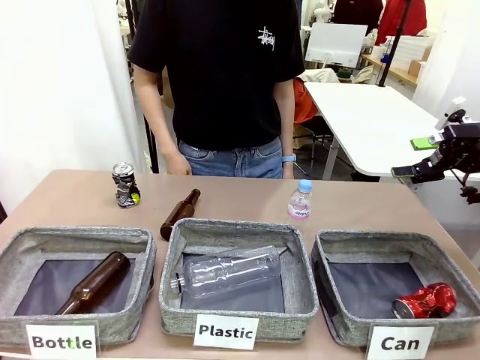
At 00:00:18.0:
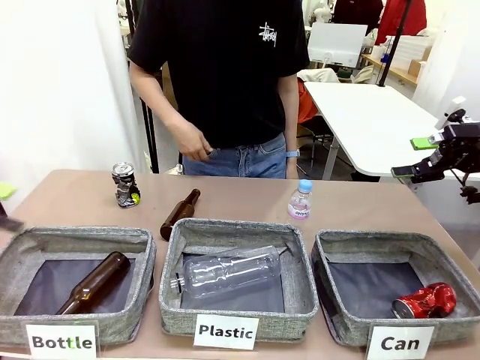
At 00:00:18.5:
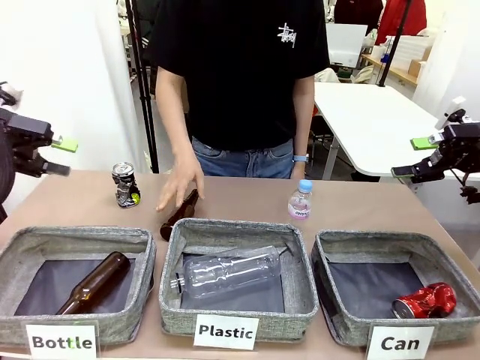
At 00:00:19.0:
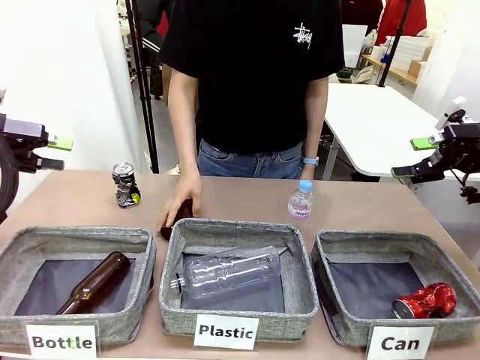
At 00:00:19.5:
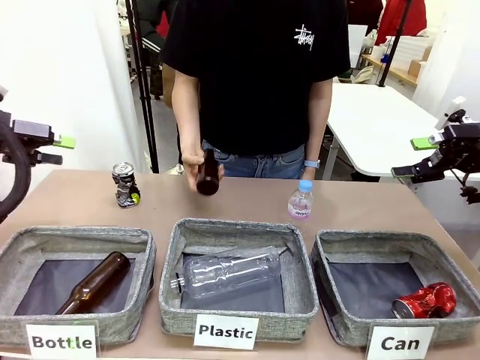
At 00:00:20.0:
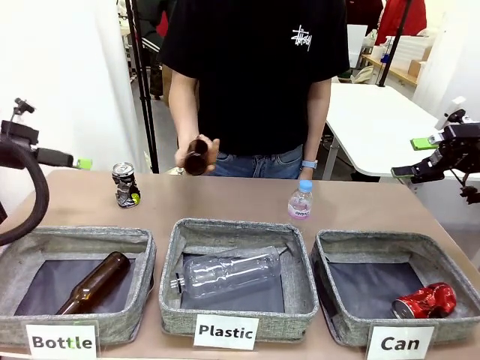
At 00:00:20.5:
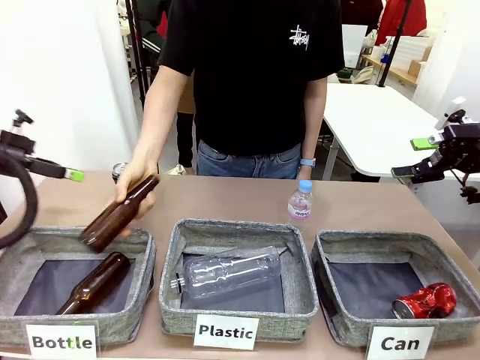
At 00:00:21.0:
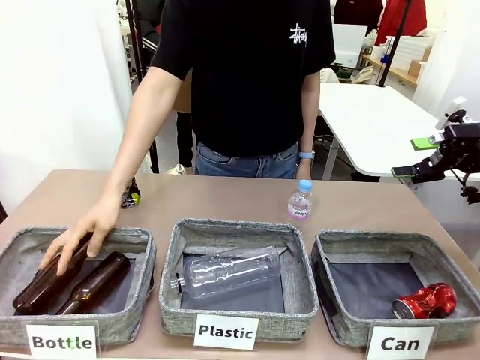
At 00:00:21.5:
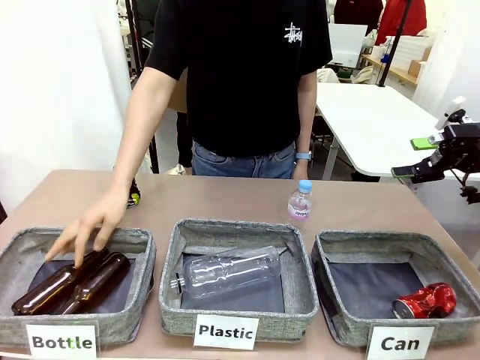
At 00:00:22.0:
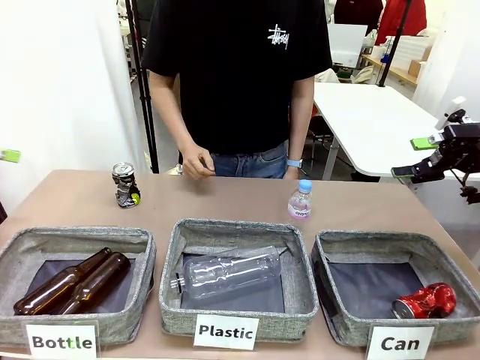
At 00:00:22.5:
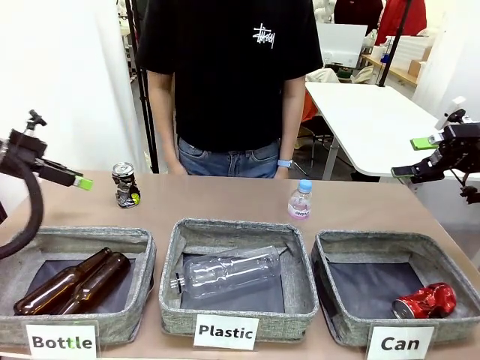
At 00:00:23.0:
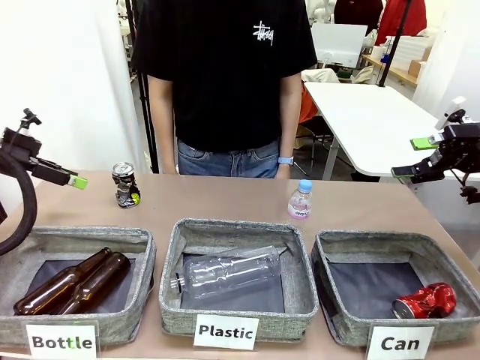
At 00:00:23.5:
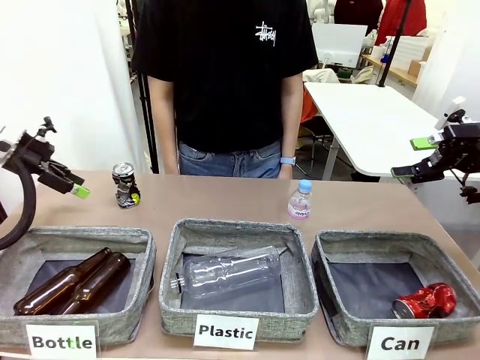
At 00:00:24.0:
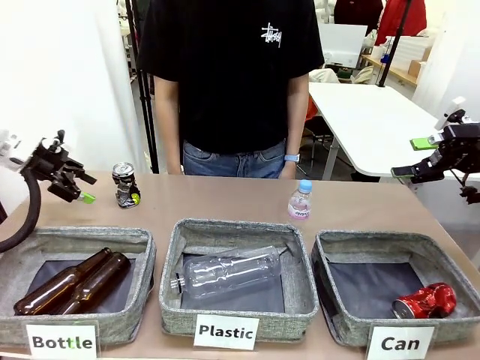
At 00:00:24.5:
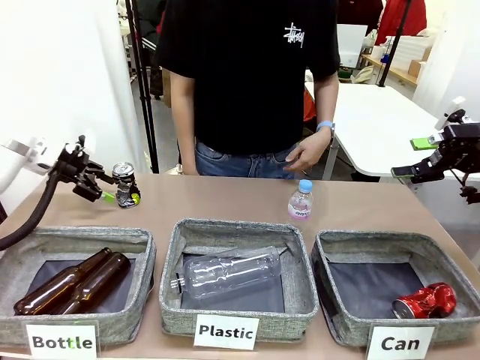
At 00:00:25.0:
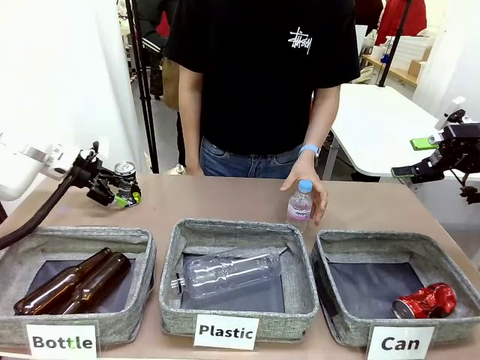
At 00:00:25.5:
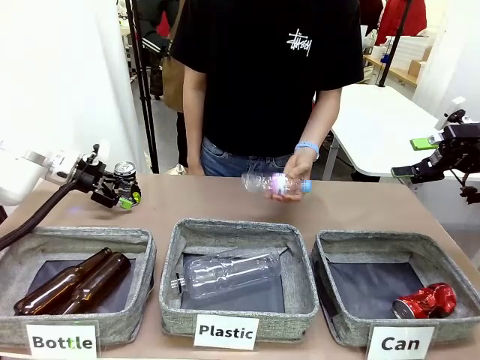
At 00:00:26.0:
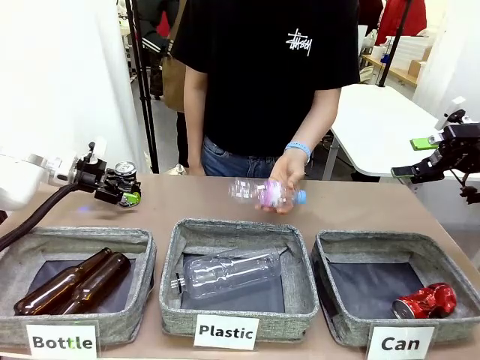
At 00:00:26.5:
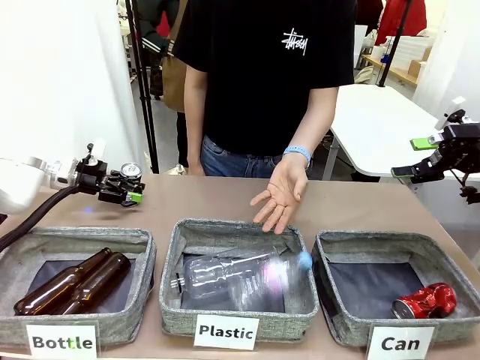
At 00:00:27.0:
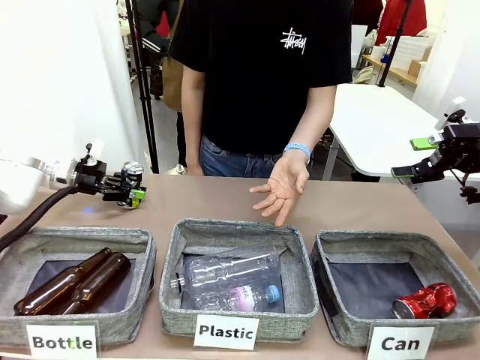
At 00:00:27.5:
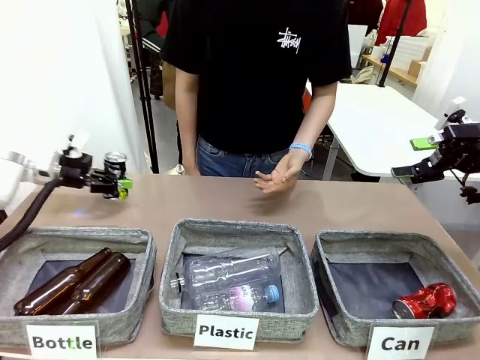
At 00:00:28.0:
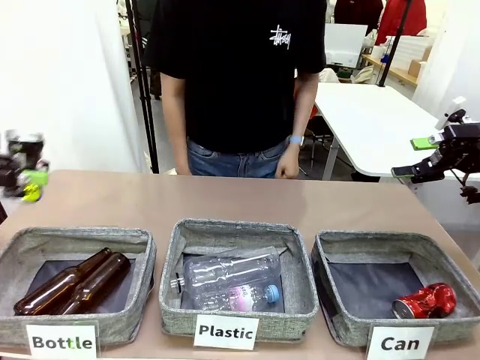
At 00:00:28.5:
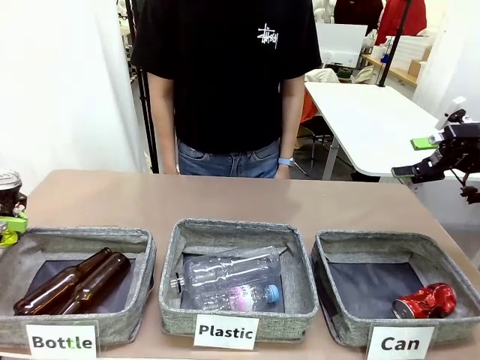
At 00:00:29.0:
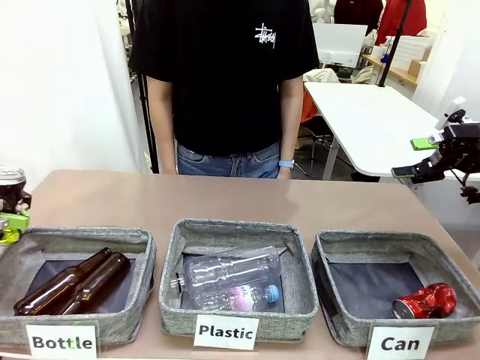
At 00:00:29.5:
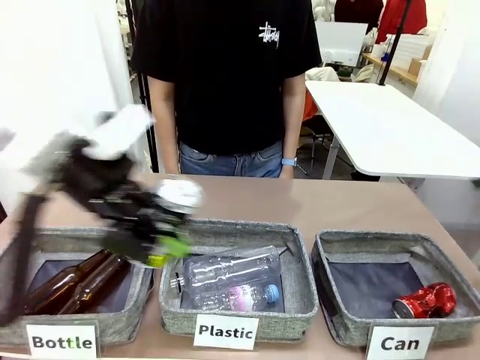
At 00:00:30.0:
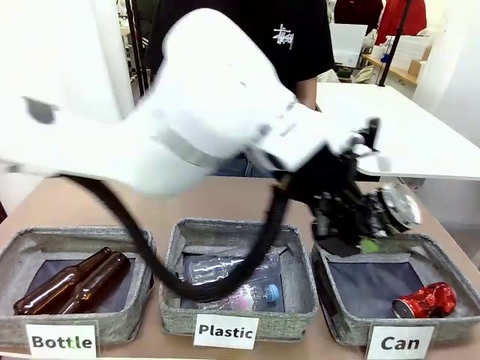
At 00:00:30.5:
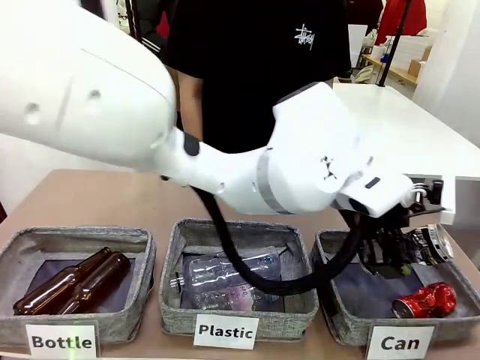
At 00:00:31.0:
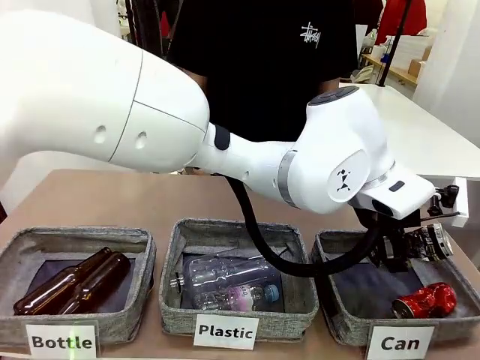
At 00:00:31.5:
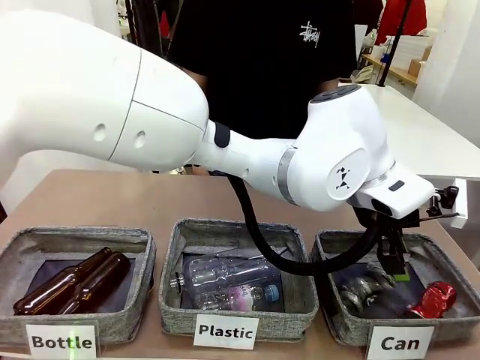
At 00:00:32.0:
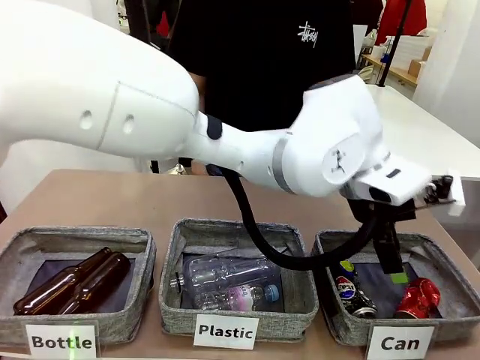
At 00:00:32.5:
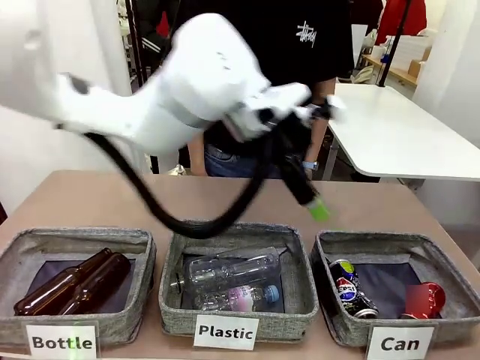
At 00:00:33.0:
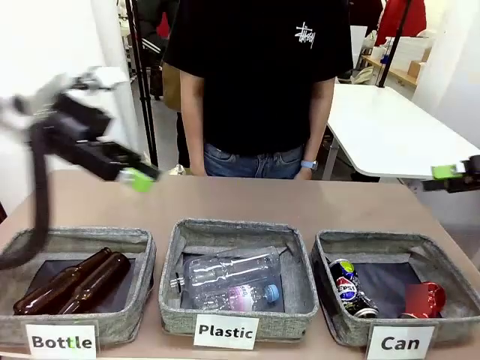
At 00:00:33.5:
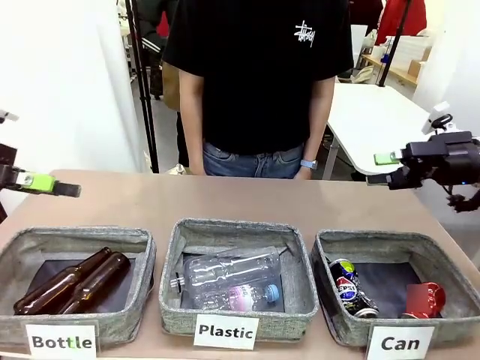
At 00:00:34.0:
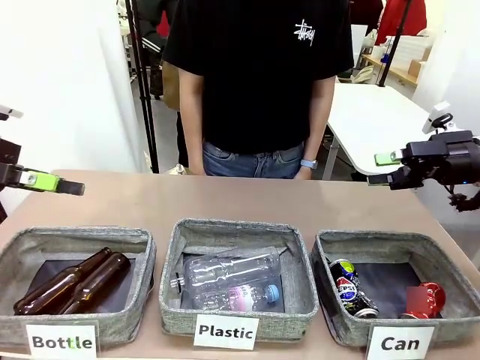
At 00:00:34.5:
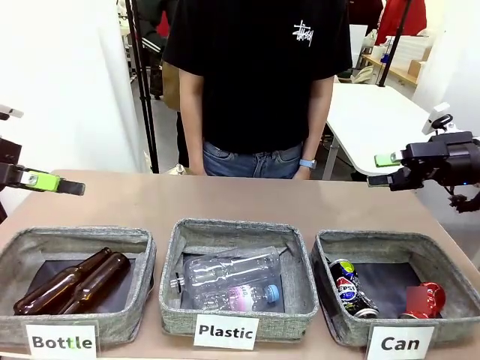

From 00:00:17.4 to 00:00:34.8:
Task: Sort the can waste into the basket.
Robot: Pick up the can waste from the table and place it in the right Fabric basket.
